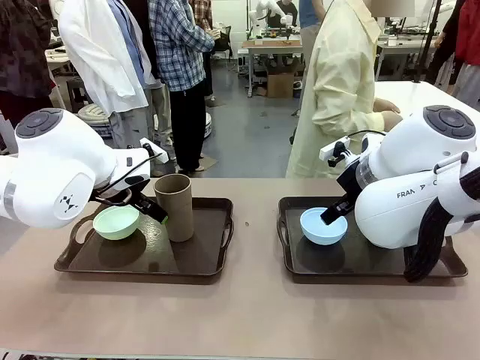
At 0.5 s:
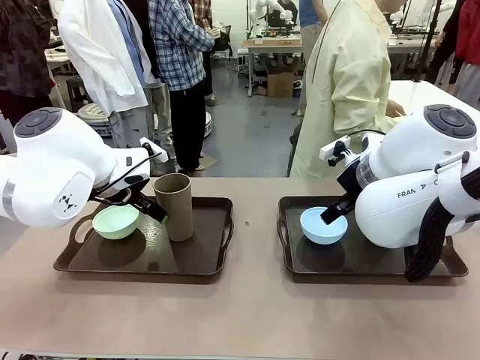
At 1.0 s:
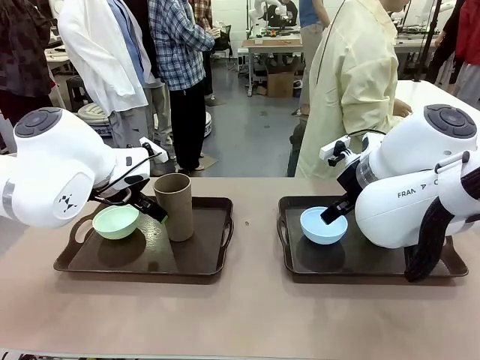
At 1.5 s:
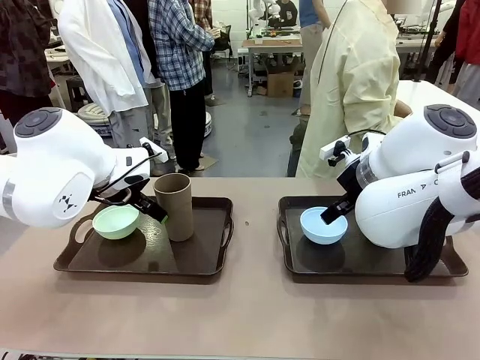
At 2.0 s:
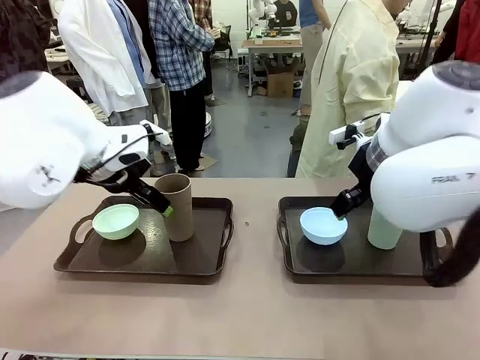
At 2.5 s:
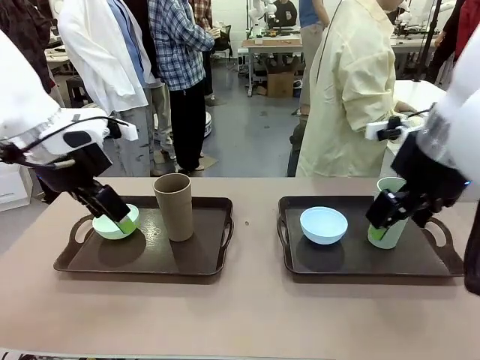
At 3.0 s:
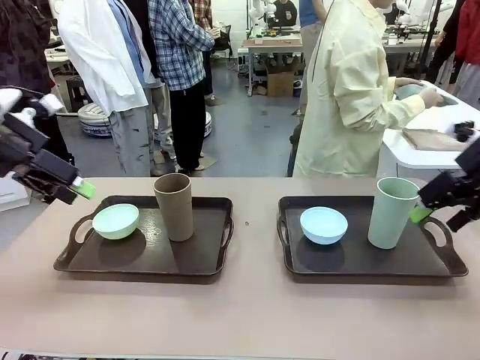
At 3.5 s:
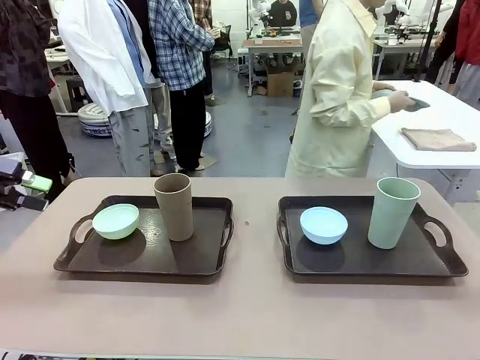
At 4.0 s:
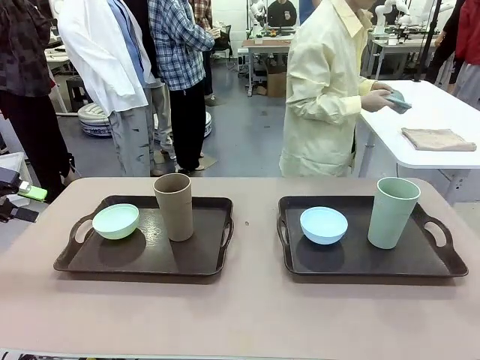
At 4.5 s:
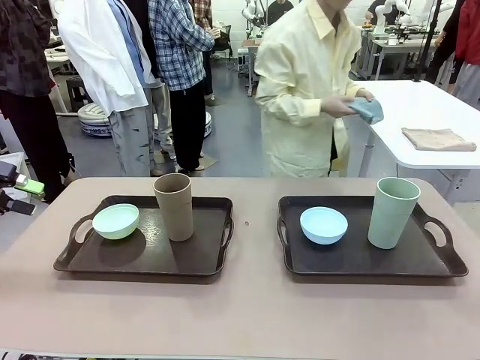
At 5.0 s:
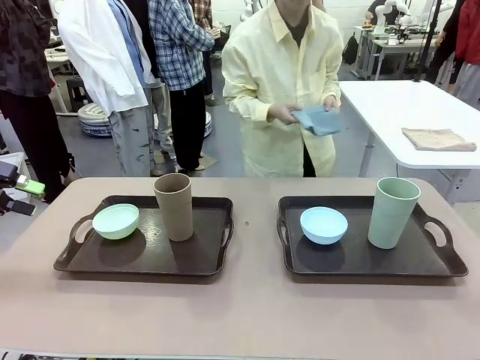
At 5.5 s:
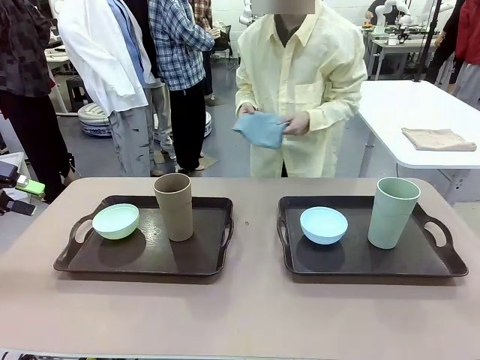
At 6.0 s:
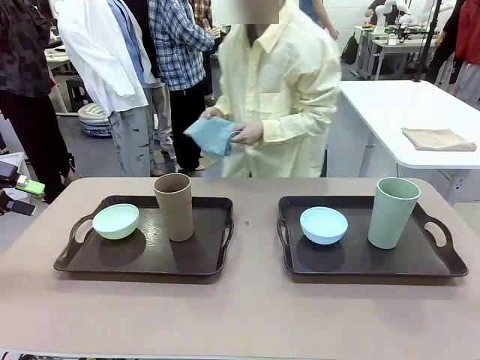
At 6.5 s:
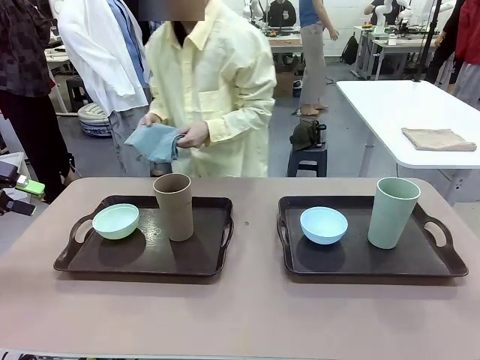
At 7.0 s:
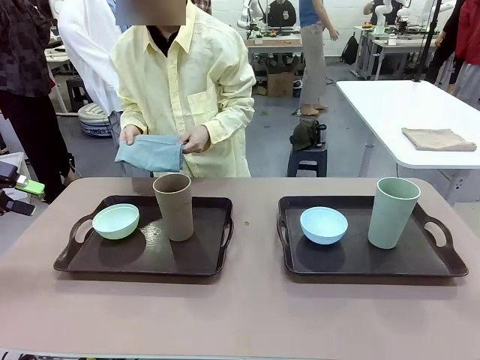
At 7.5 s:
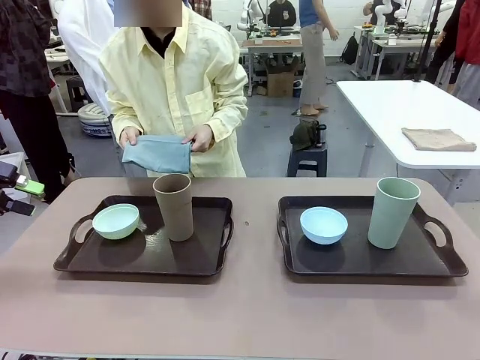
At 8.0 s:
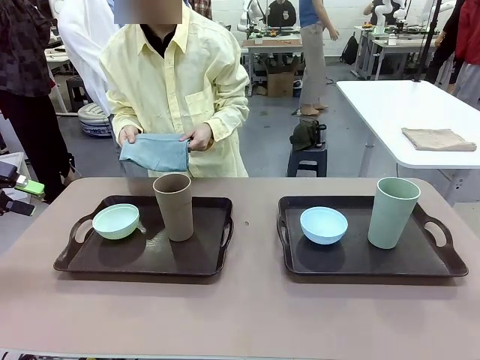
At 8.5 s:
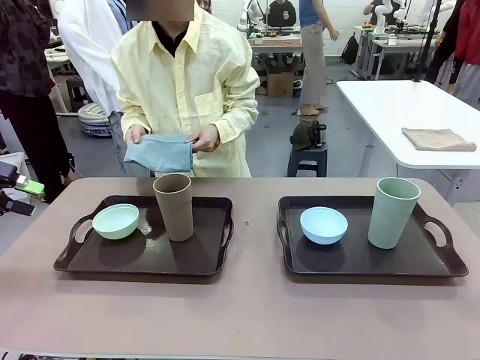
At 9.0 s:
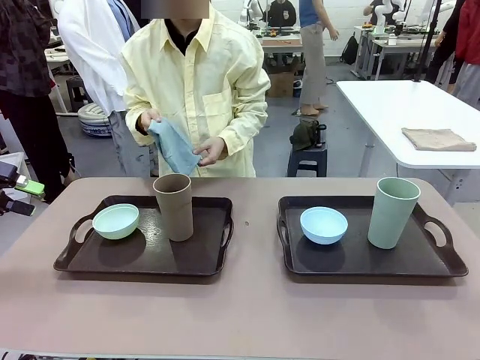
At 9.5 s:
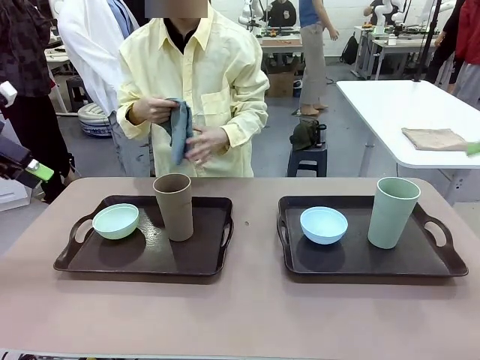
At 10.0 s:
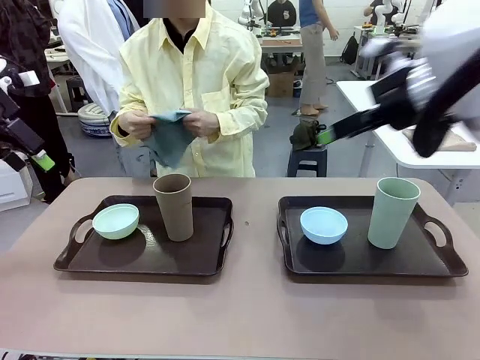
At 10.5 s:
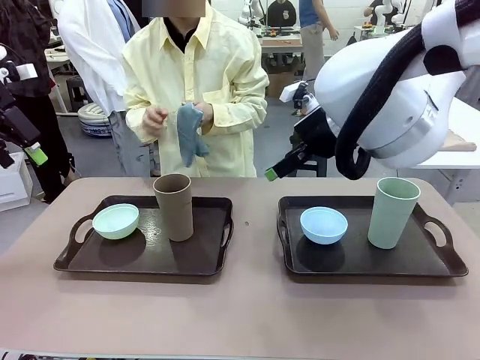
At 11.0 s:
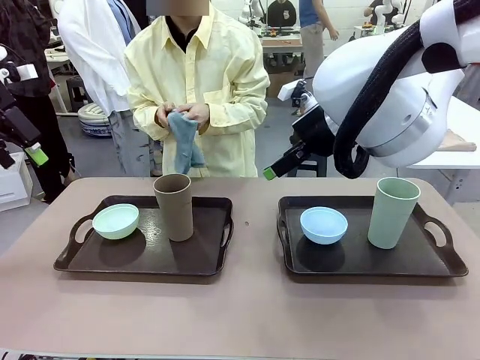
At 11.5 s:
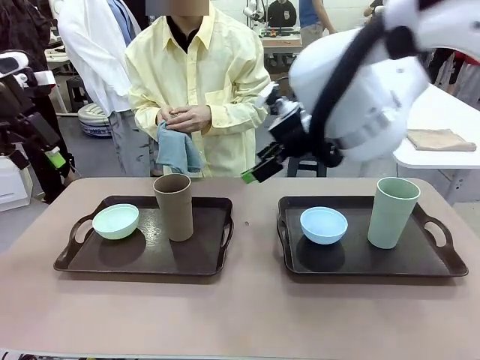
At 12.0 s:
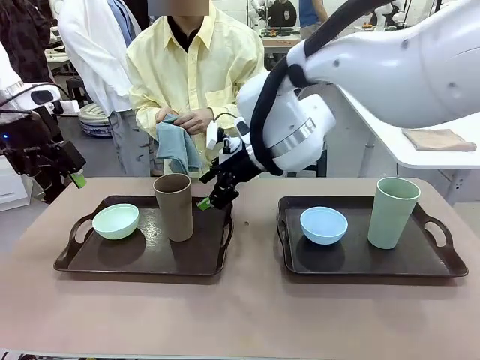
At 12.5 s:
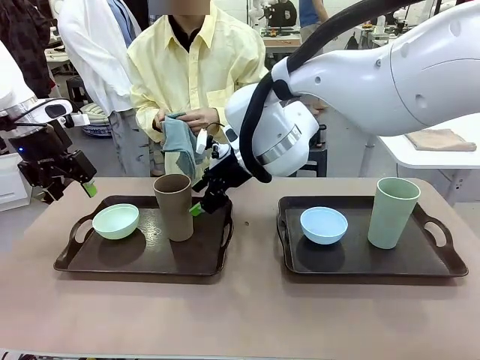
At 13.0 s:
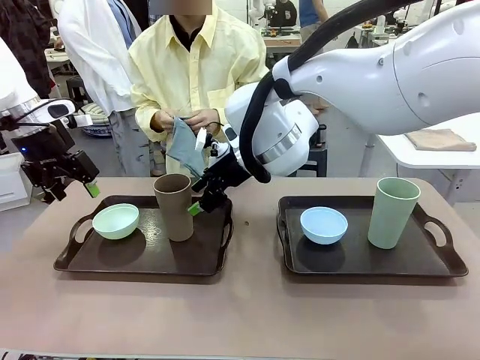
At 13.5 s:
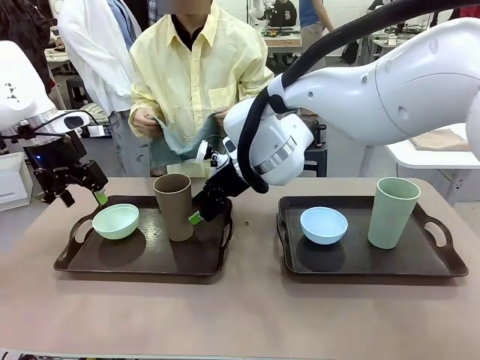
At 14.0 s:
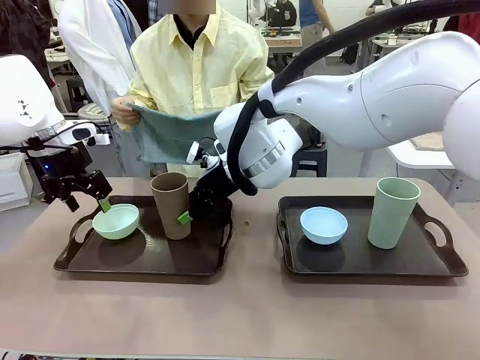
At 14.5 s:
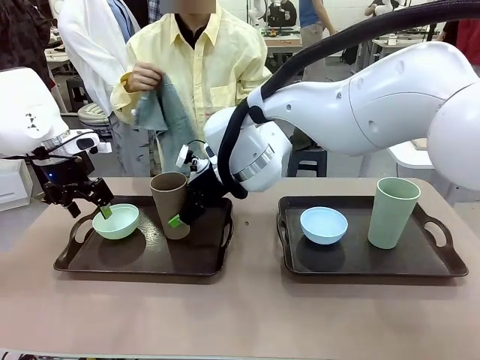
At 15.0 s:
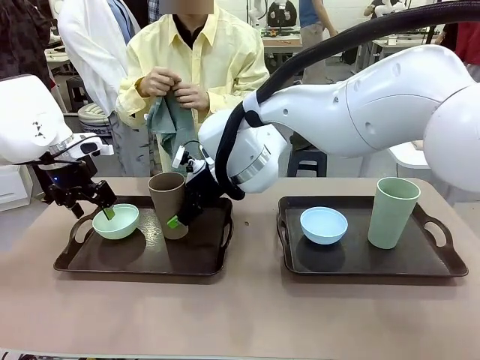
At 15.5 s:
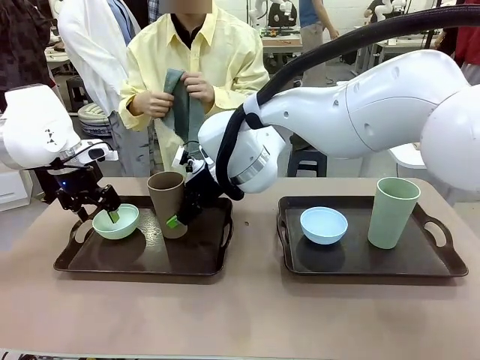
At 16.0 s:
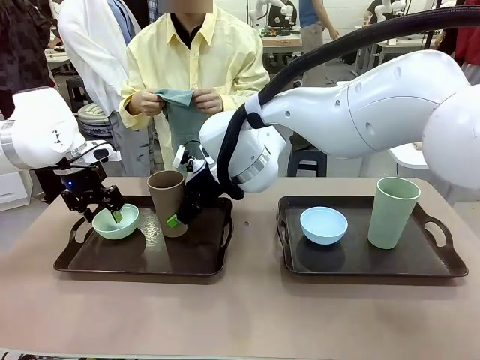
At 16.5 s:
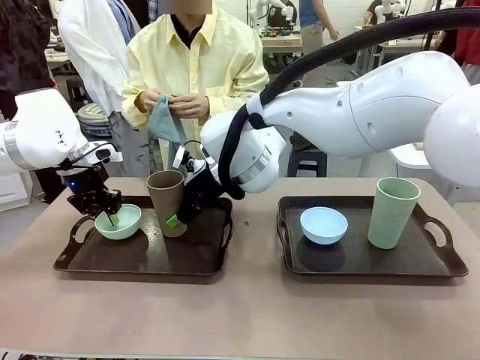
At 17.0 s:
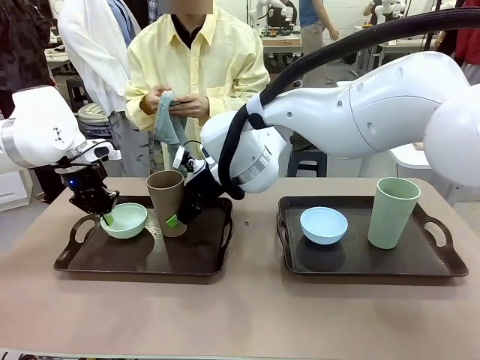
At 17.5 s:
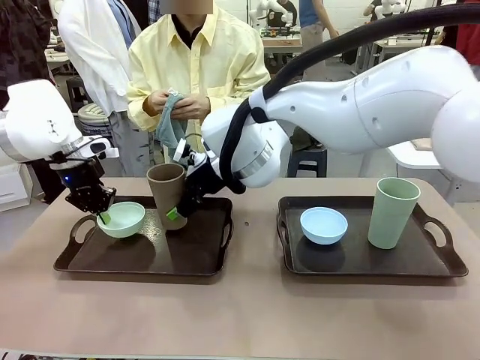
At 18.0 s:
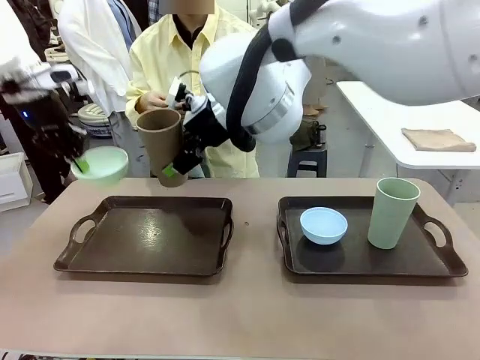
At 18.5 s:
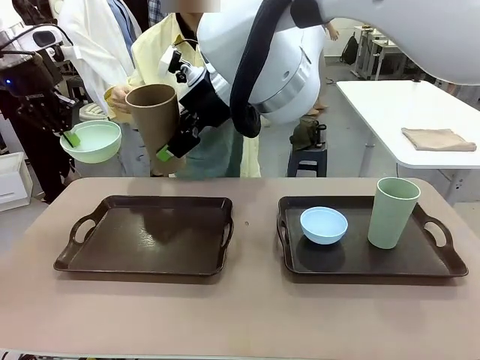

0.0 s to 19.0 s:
Robot: Pick up the Picnic Bowl and Reusable plastic cup from the Handle tray in front of the human's position and hold them in the air.
Person: The human picks up the top napkin from the stack on the human table and walks to the robot table to stand in front of one of the two trays. When the robot lifts the bowl and the cup, the human unfolds the napkin and lays the napkin flat on the tray.

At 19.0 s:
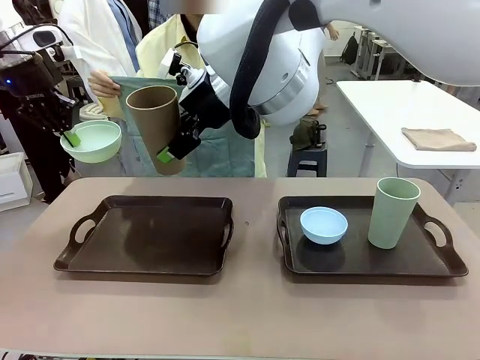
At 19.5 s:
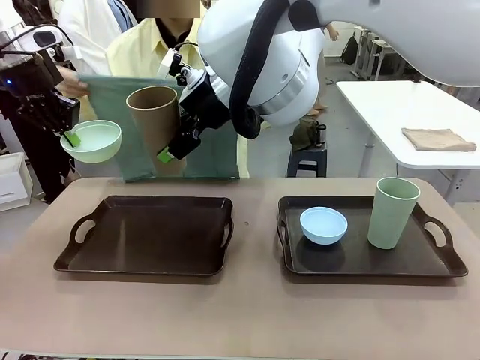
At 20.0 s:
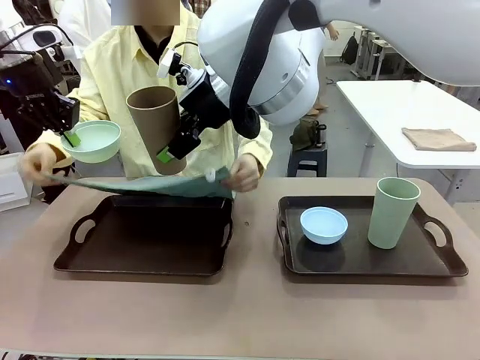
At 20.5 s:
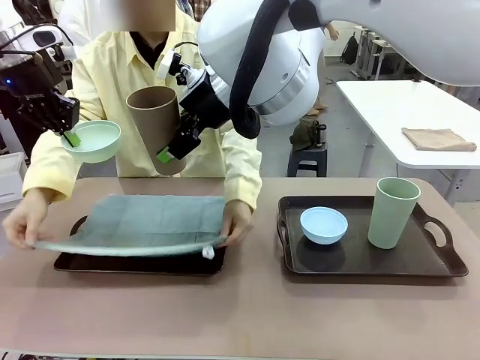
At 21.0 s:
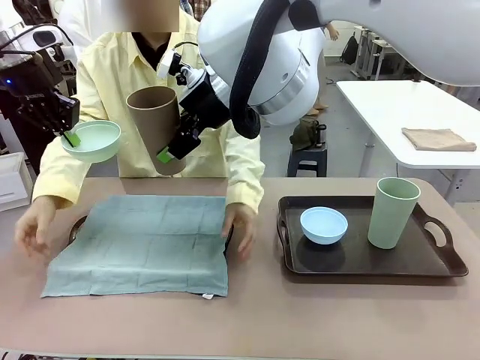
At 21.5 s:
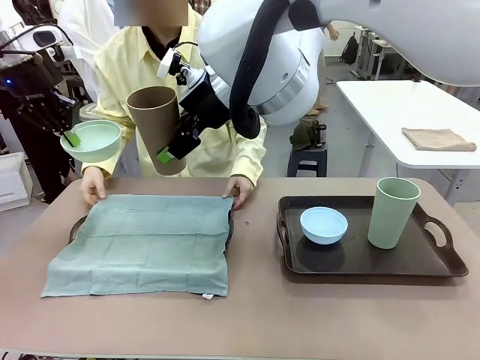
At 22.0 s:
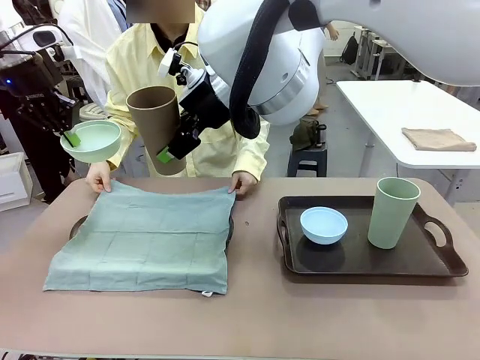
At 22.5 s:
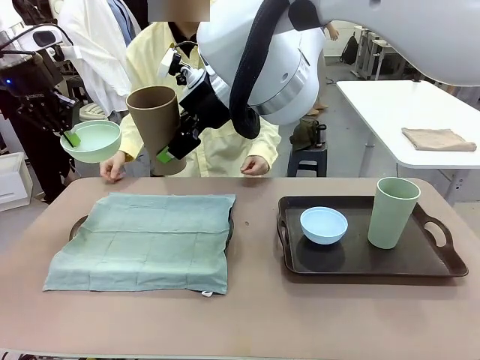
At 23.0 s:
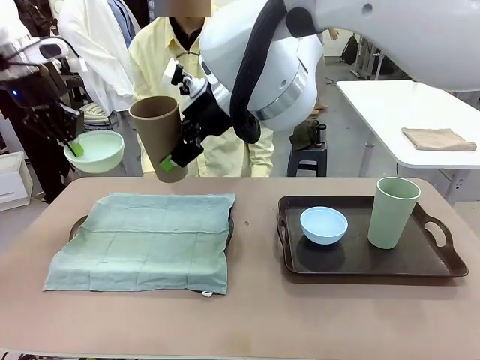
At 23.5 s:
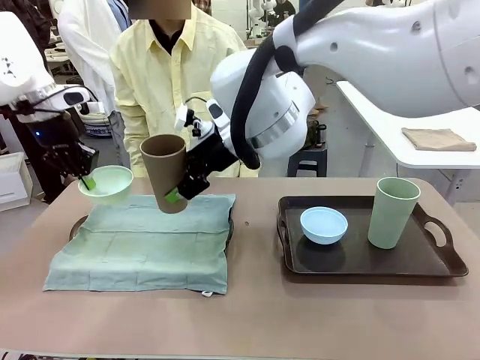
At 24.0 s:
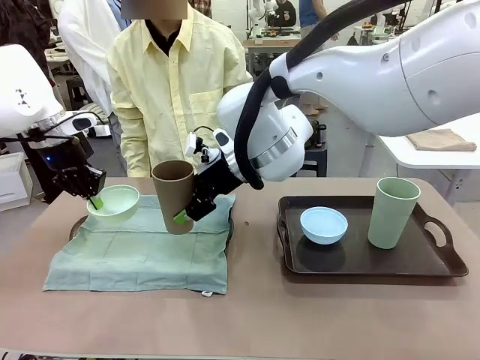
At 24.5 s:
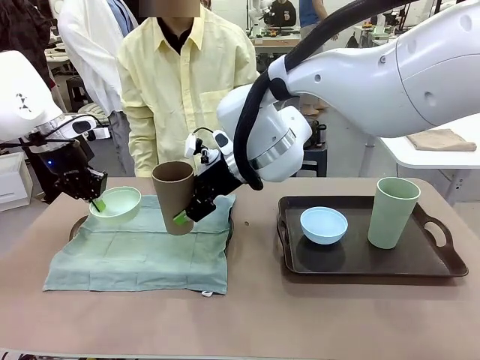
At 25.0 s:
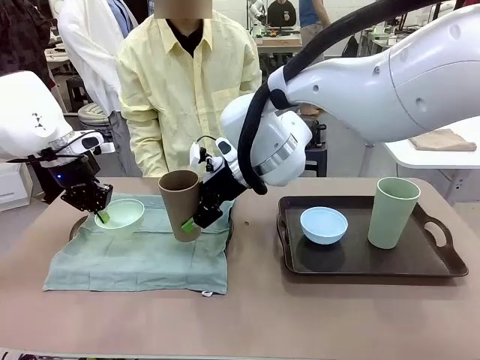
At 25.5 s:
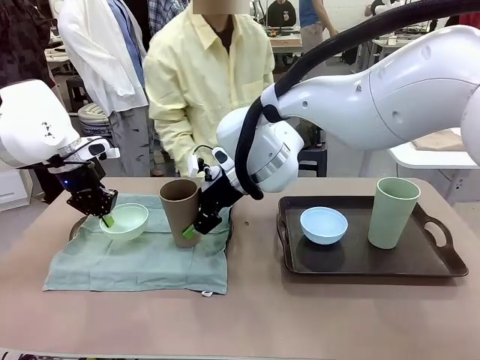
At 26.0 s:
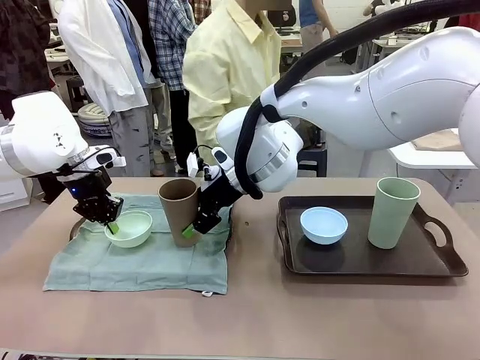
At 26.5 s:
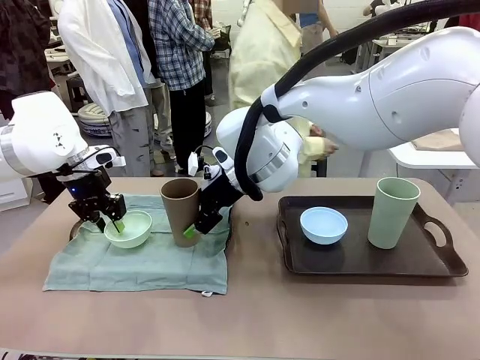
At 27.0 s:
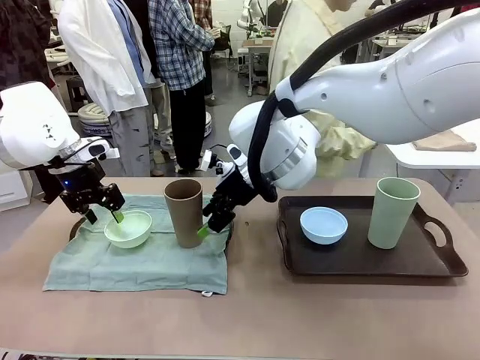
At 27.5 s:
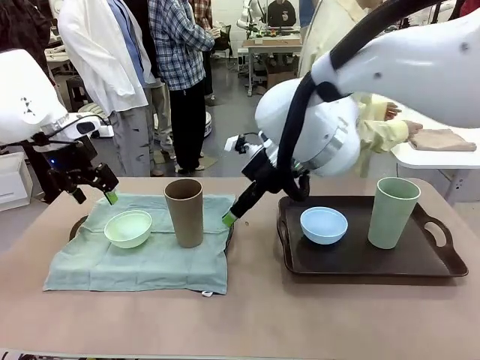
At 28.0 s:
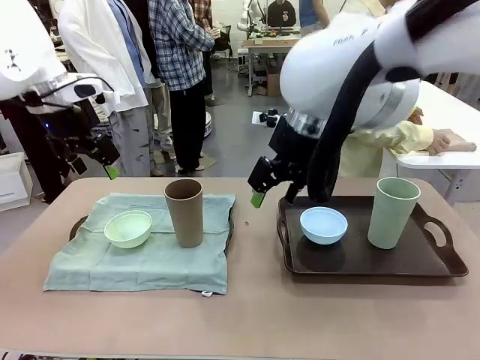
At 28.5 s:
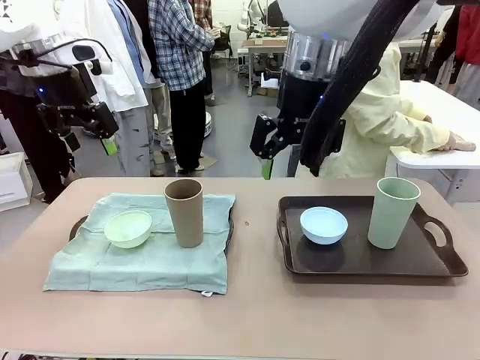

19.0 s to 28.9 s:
Robot: Place the Picnic Bowl and Reusable plastic cup back onto the Handle tray in front of the human's position.
Person: The human returns to the human table to pick up another napkin and walks to the robot table to stand in front of the tray without a napkin.
